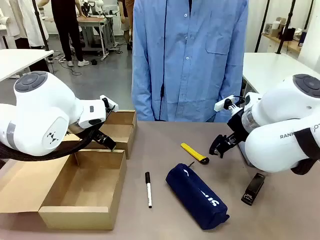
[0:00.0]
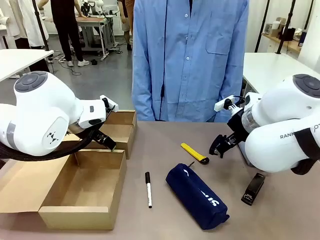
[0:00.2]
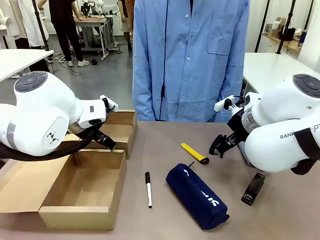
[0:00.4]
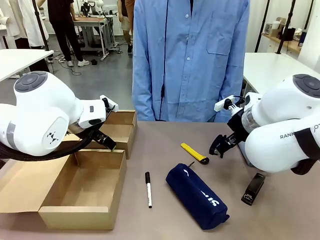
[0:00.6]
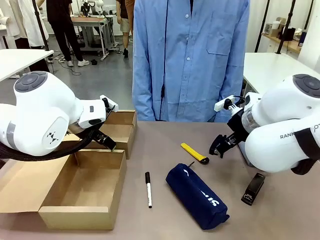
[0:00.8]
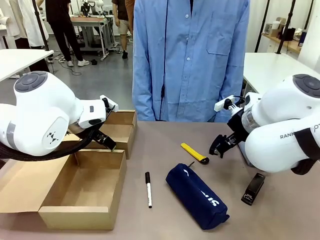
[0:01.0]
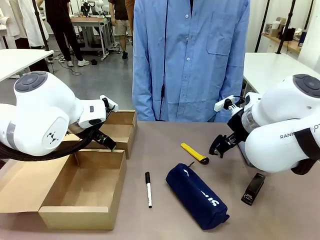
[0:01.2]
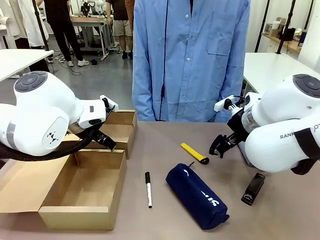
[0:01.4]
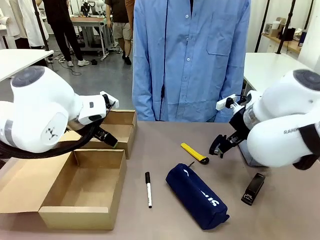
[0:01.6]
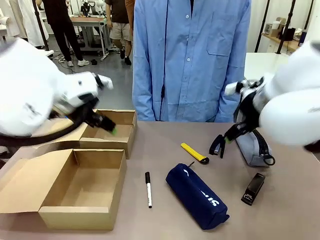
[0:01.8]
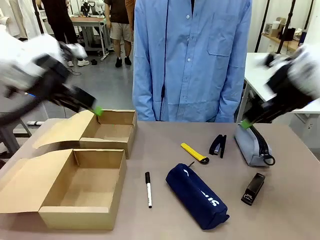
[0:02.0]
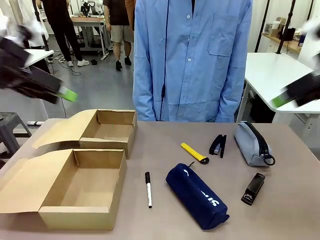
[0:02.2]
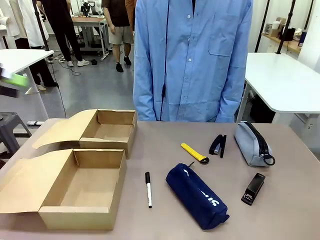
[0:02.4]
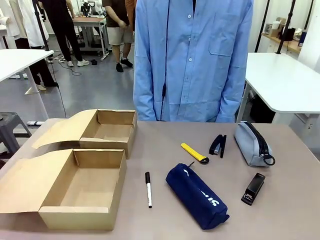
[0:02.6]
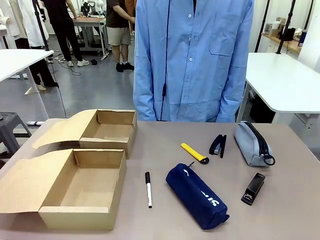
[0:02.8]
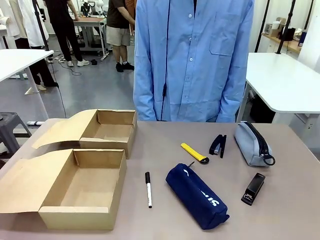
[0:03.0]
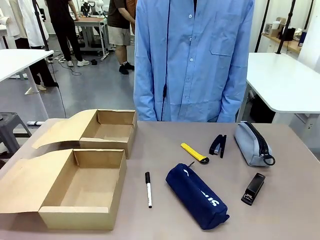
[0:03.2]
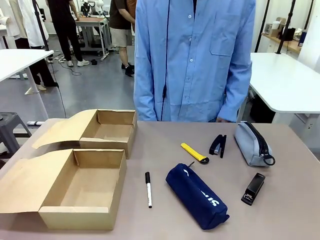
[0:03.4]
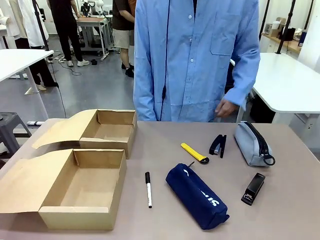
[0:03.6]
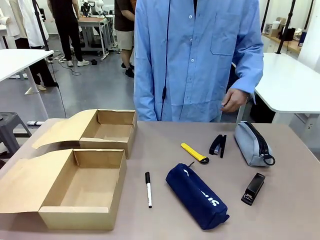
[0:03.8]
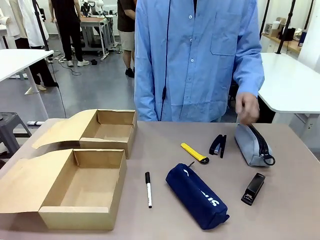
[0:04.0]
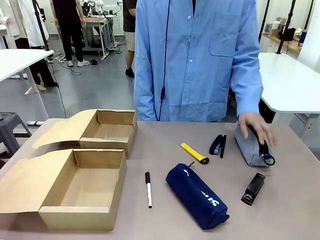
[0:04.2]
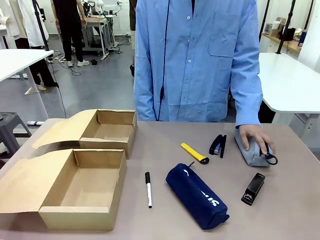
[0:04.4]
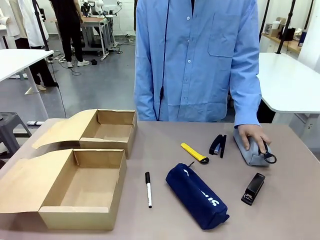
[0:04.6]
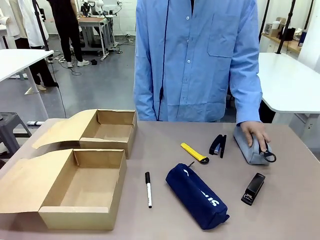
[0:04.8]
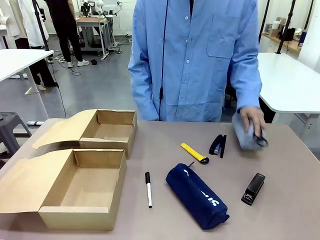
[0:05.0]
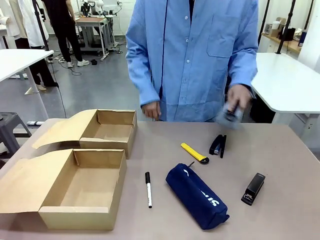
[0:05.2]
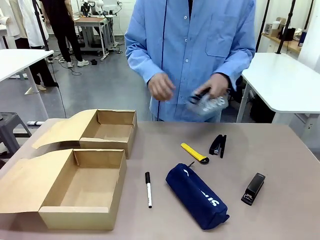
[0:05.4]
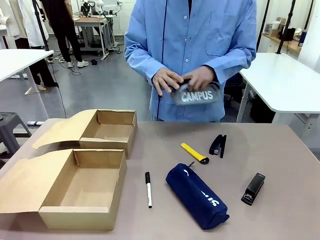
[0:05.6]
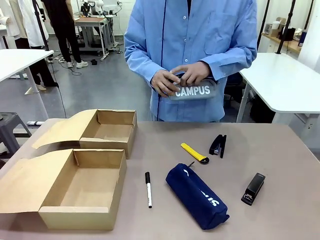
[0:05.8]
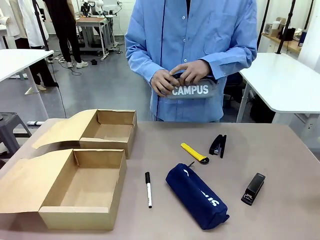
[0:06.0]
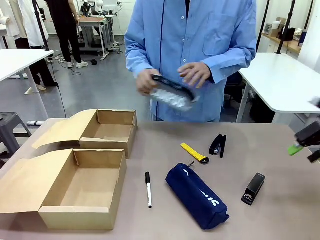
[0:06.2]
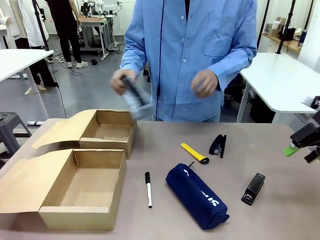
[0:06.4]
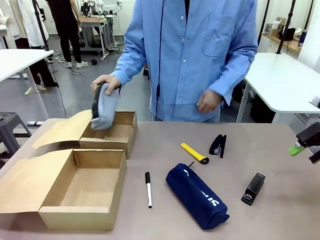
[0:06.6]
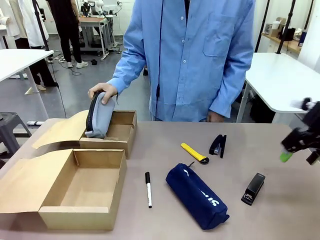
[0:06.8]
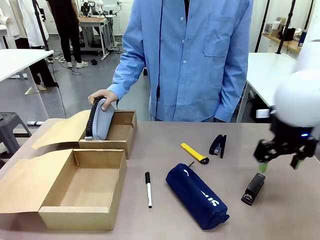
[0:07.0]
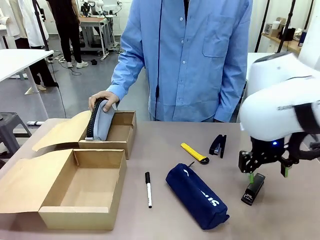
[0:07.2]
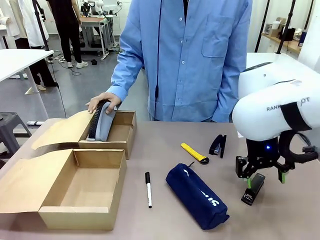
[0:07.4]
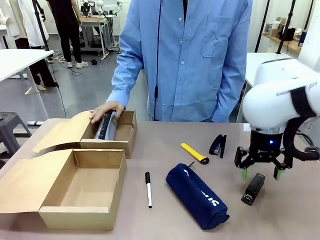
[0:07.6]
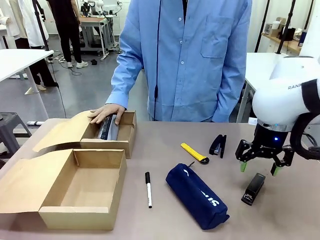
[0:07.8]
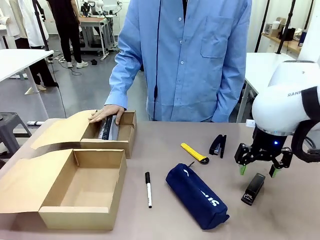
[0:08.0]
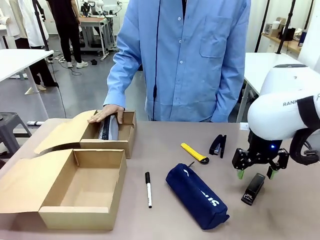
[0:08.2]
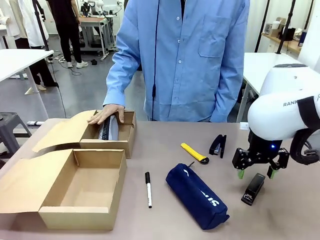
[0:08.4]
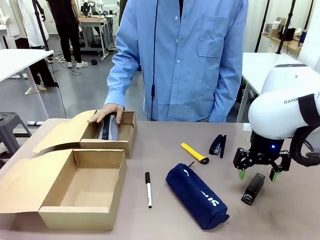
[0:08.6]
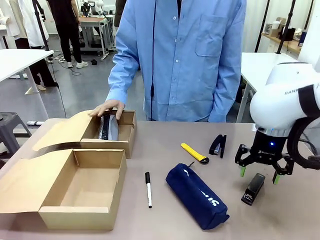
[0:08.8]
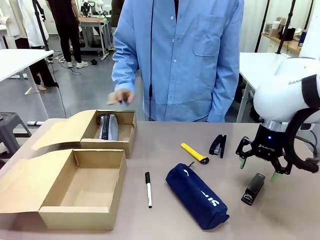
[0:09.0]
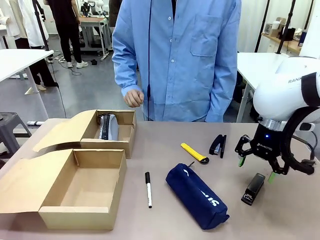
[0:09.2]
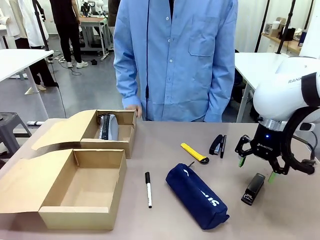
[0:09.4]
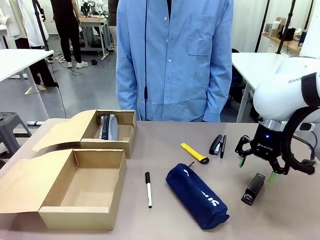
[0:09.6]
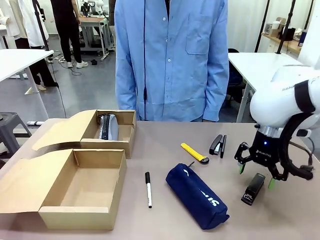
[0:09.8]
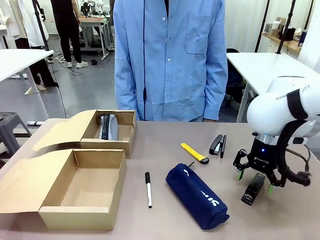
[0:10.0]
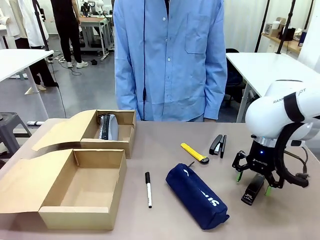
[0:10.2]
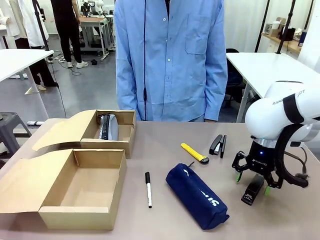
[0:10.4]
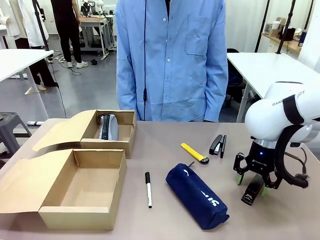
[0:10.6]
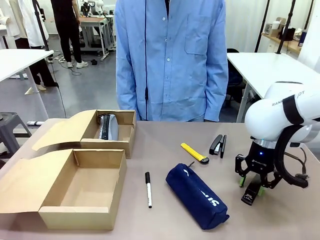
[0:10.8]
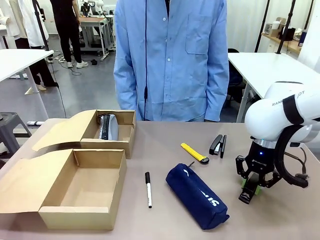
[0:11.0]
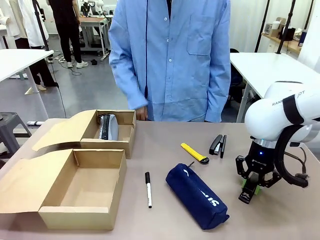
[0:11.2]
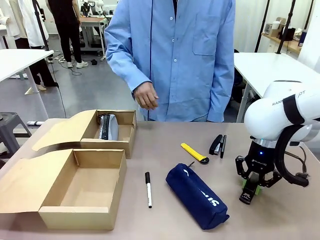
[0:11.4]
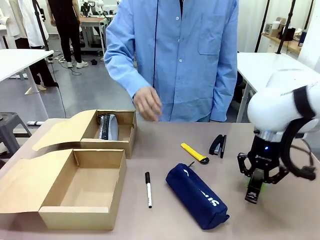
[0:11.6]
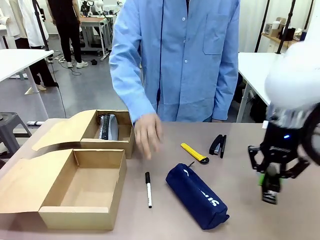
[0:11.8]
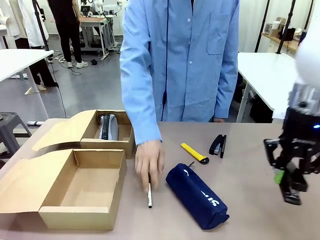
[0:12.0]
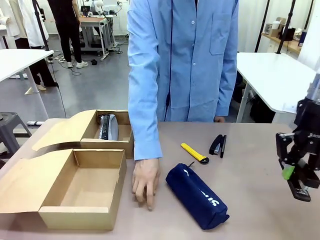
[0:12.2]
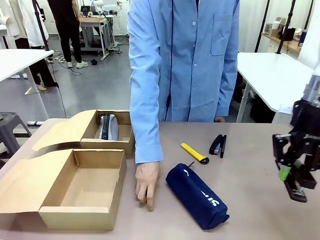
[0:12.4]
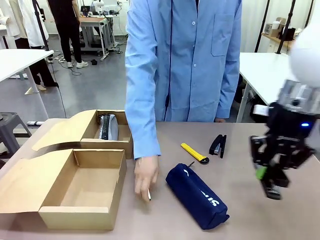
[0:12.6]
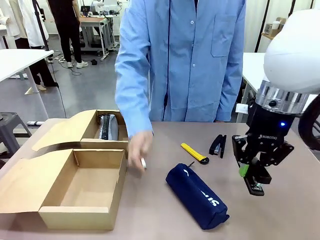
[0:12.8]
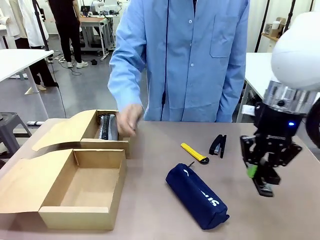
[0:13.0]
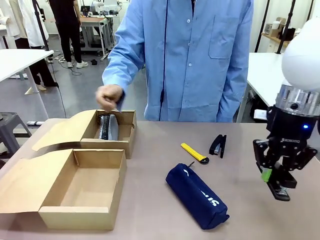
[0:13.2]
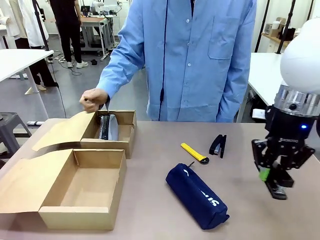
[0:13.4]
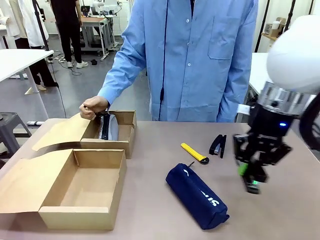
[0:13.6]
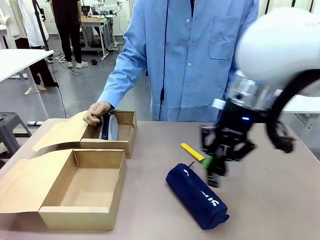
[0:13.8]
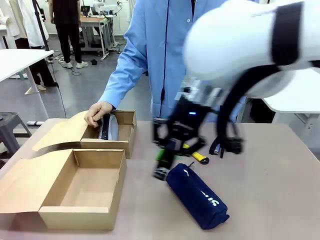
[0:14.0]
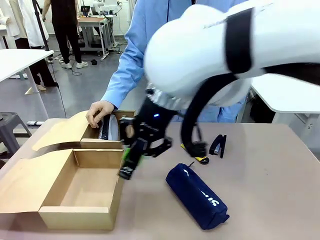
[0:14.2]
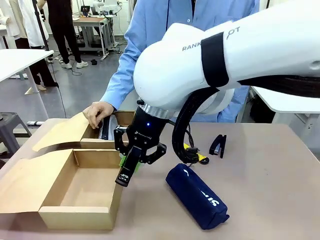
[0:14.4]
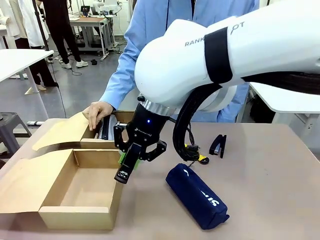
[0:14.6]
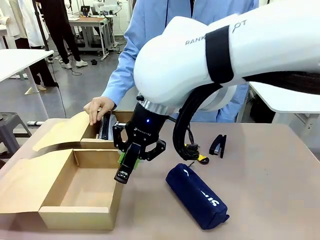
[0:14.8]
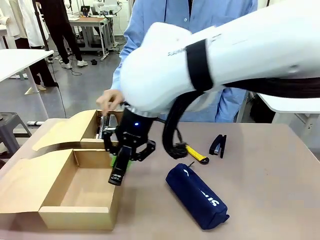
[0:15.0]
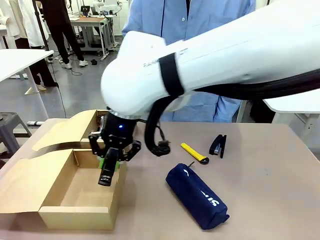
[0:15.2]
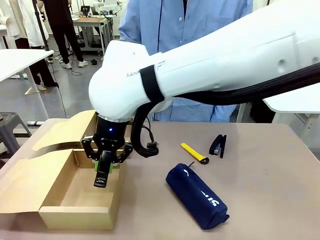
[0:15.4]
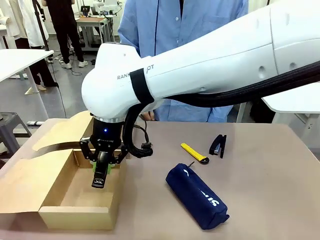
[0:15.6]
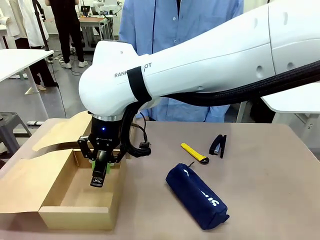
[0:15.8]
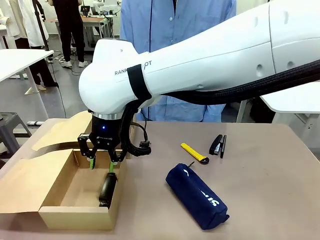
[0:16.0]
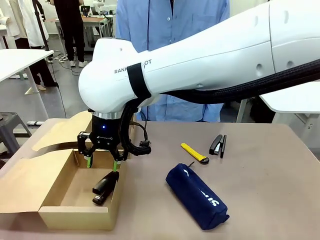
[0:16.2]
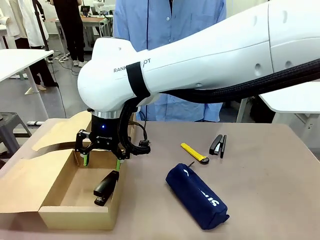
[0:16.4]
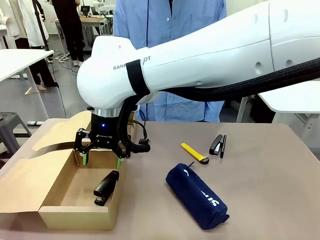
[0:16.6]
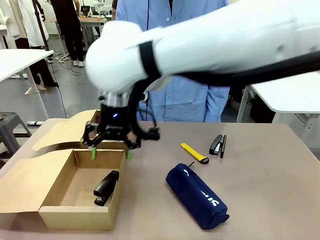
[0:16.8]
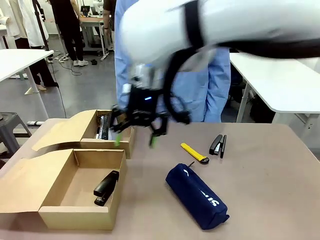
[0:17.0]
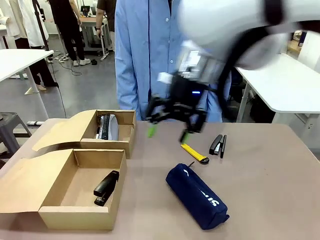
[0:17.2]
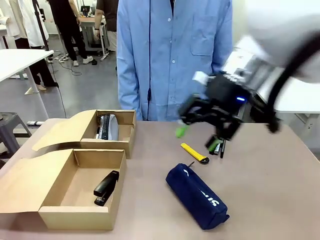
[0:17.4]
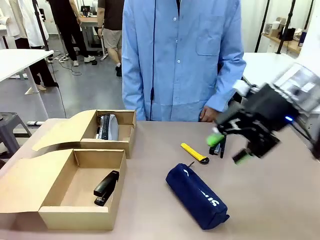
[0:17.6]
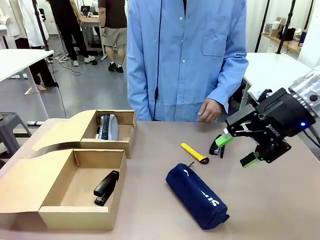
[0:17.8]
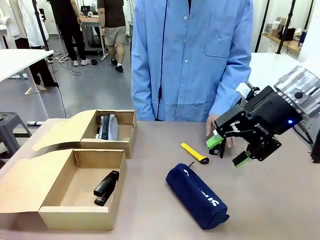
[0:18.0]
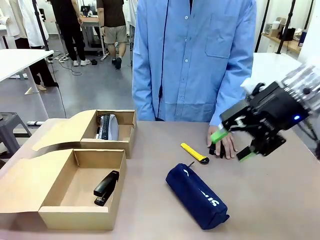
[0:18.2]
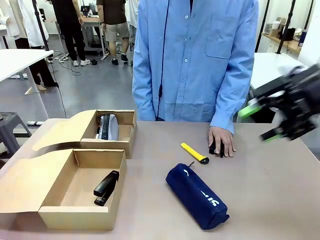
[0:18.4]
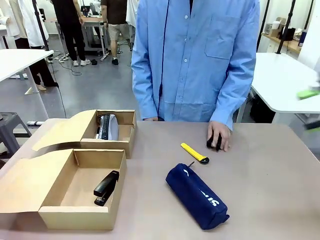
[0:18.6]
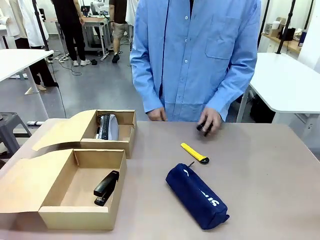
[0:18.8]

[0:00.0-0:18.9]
Task: Place items inside the box.
Robot: Pick up a Pencil pouch or Stapler and place it inside the Mailer Box closest to the robot.
Person: Pick up an object on the table and put it in the box.
